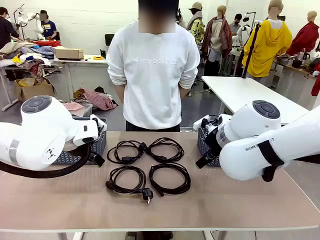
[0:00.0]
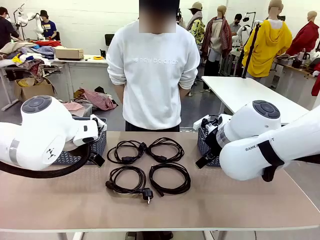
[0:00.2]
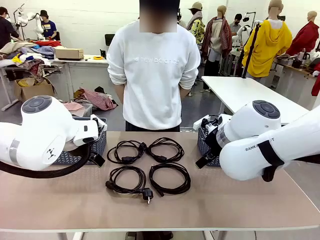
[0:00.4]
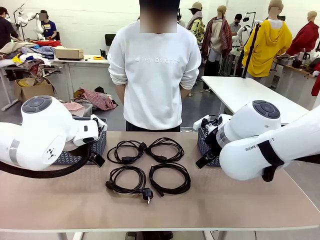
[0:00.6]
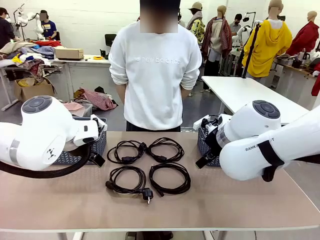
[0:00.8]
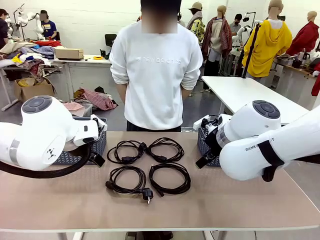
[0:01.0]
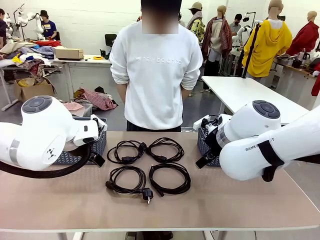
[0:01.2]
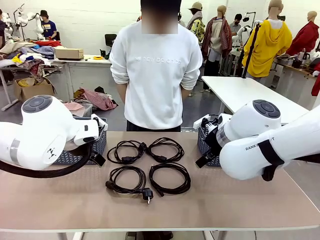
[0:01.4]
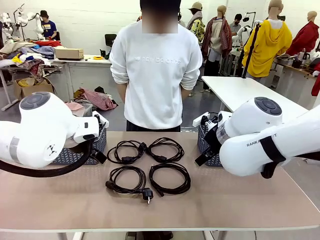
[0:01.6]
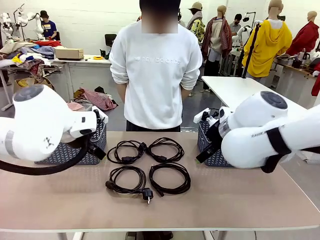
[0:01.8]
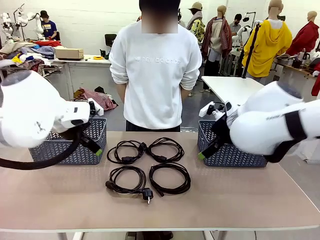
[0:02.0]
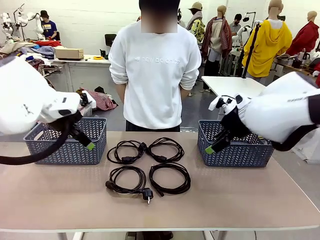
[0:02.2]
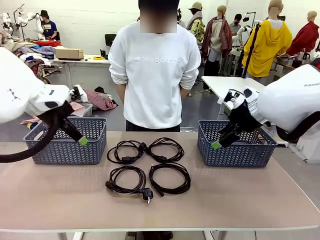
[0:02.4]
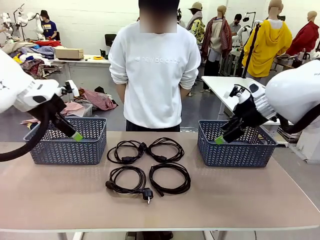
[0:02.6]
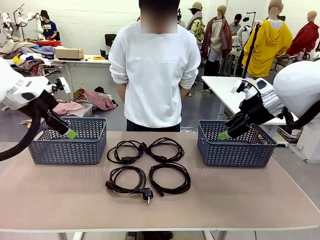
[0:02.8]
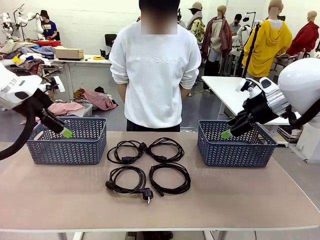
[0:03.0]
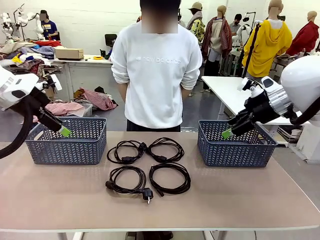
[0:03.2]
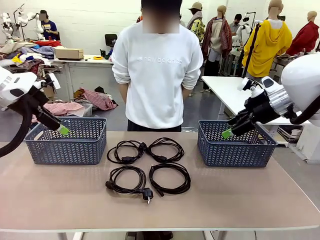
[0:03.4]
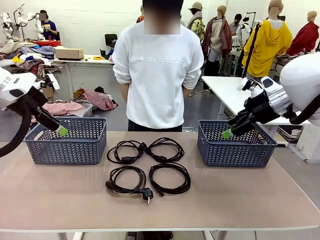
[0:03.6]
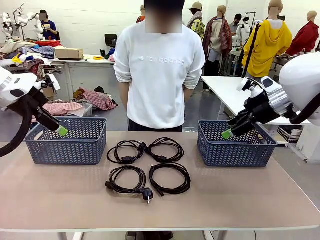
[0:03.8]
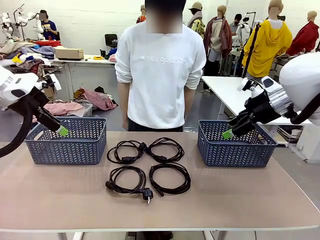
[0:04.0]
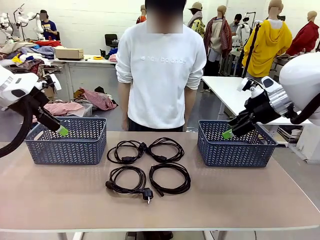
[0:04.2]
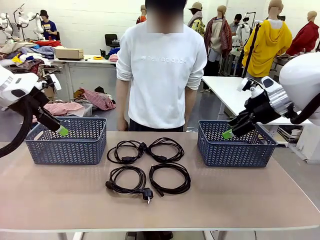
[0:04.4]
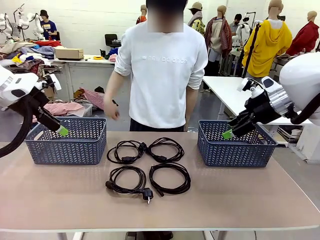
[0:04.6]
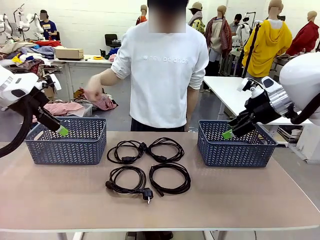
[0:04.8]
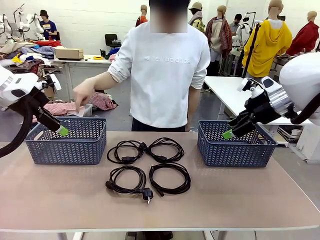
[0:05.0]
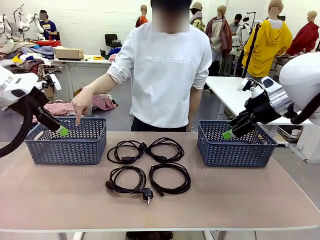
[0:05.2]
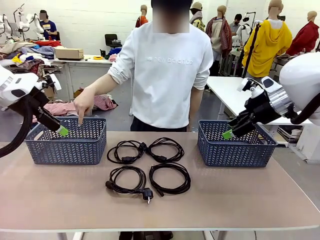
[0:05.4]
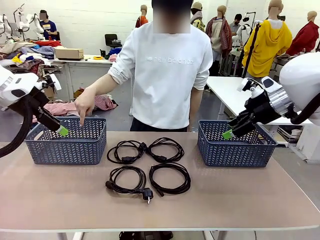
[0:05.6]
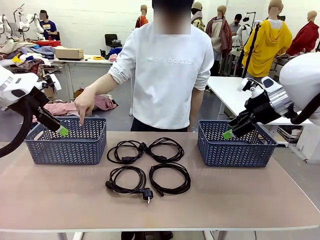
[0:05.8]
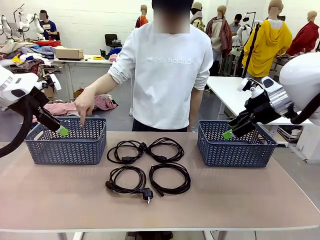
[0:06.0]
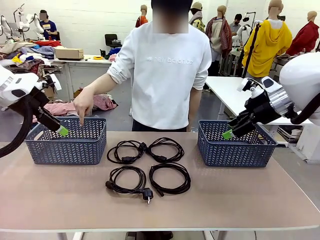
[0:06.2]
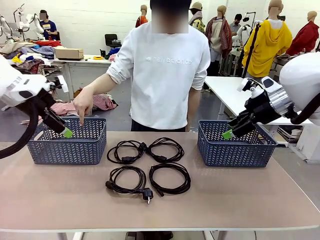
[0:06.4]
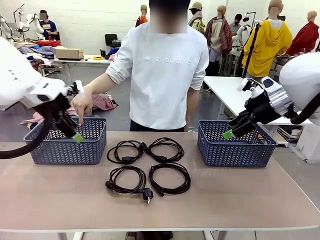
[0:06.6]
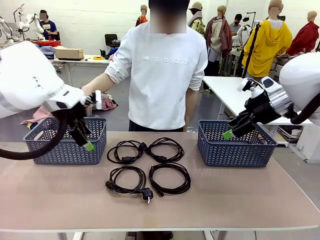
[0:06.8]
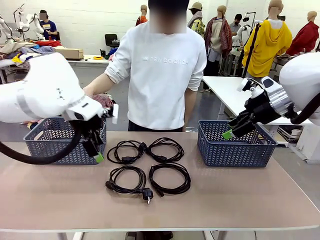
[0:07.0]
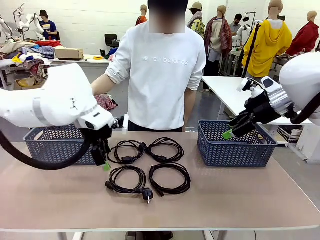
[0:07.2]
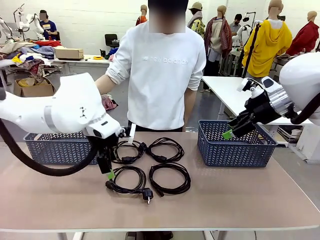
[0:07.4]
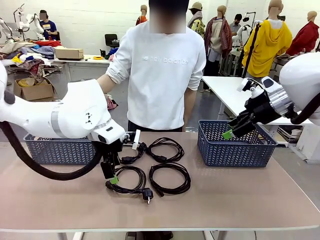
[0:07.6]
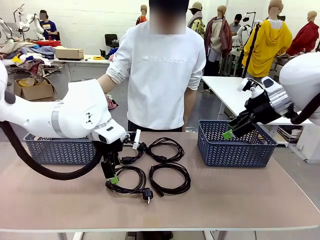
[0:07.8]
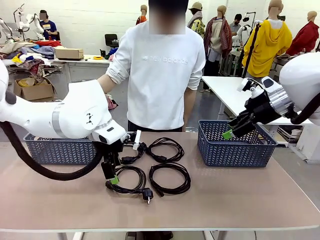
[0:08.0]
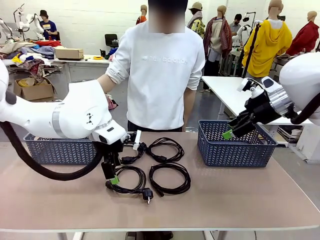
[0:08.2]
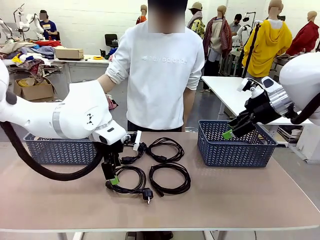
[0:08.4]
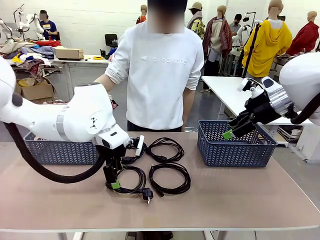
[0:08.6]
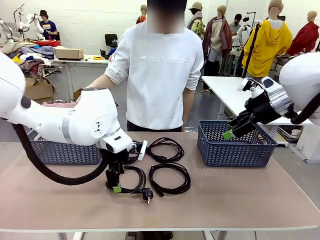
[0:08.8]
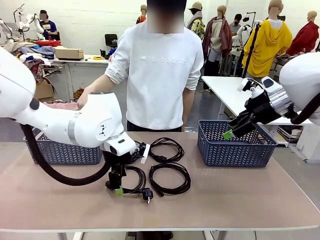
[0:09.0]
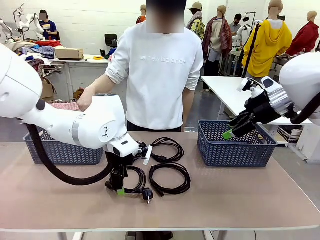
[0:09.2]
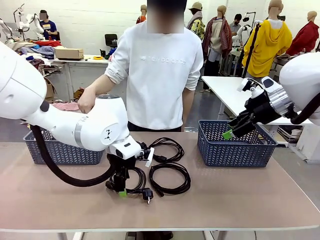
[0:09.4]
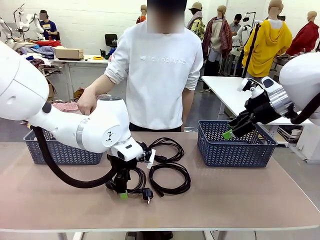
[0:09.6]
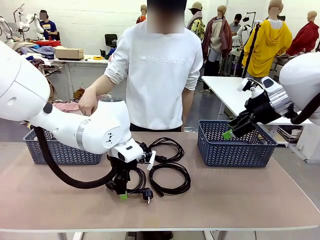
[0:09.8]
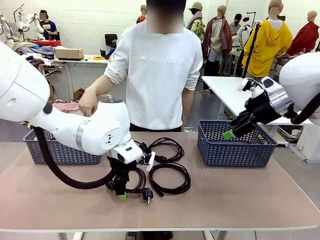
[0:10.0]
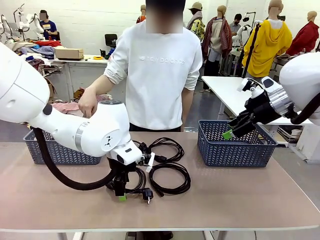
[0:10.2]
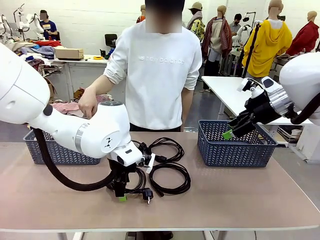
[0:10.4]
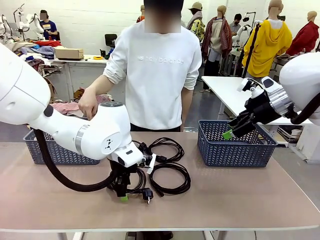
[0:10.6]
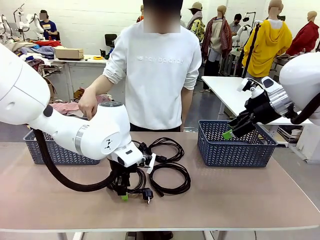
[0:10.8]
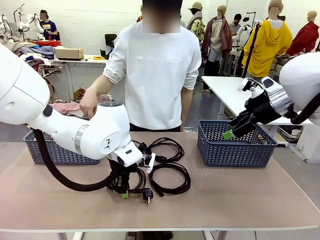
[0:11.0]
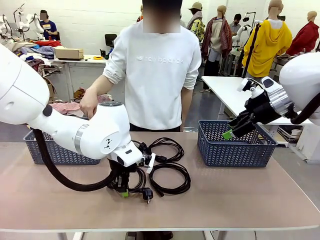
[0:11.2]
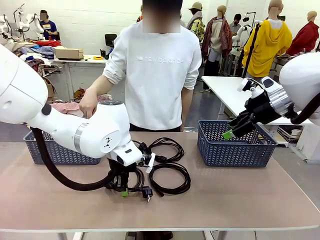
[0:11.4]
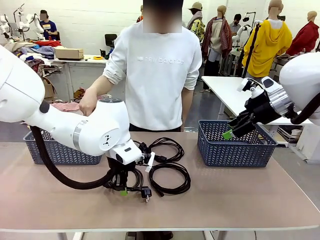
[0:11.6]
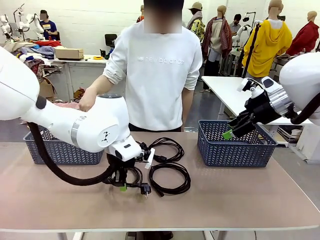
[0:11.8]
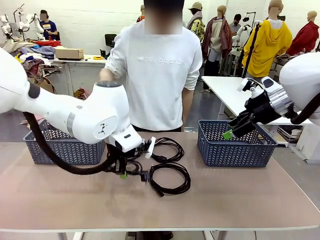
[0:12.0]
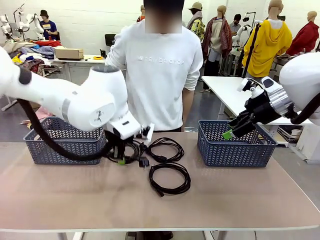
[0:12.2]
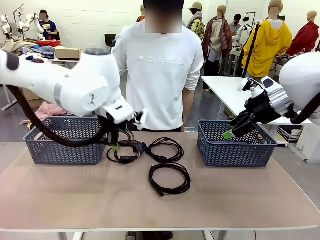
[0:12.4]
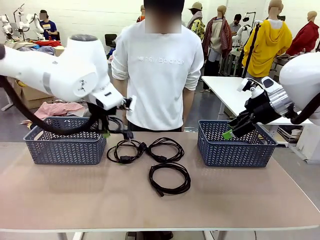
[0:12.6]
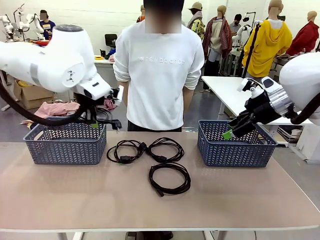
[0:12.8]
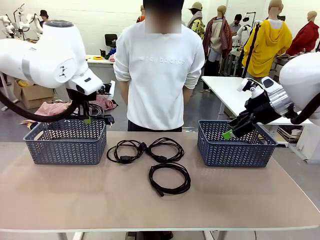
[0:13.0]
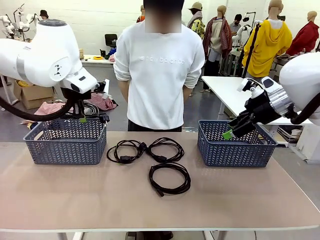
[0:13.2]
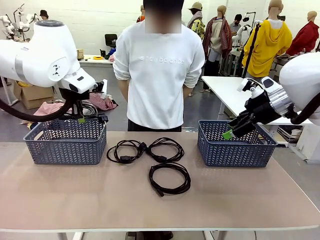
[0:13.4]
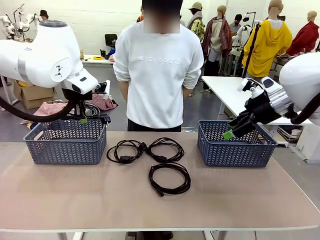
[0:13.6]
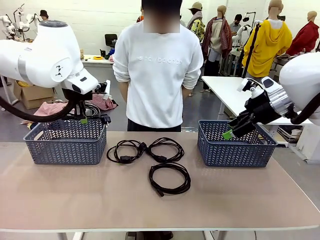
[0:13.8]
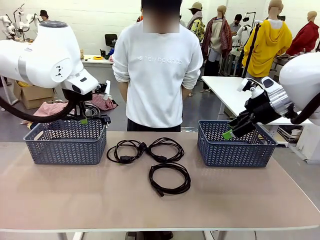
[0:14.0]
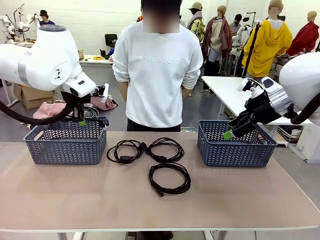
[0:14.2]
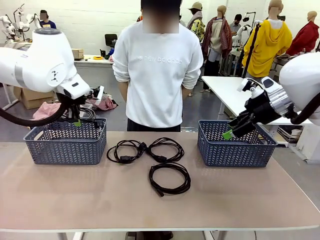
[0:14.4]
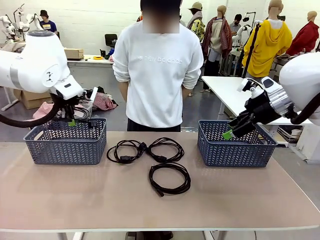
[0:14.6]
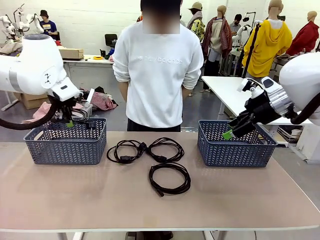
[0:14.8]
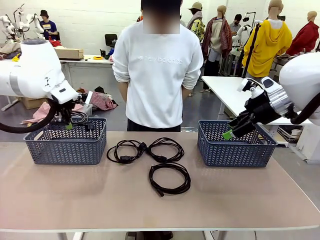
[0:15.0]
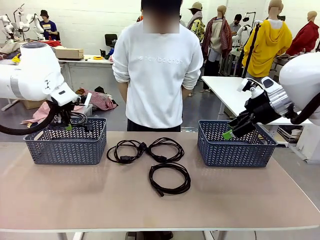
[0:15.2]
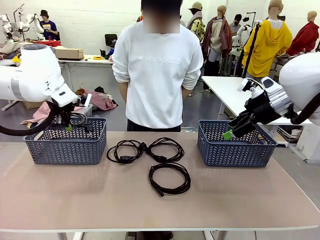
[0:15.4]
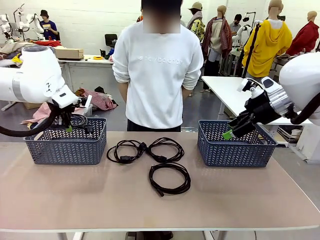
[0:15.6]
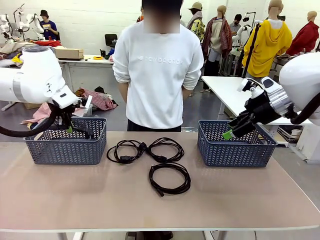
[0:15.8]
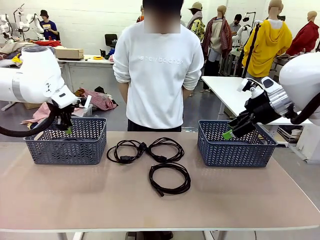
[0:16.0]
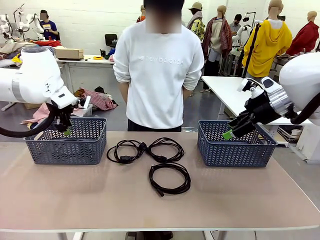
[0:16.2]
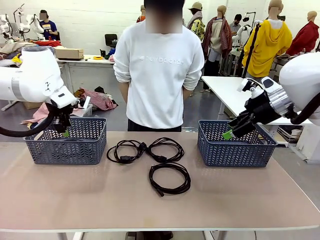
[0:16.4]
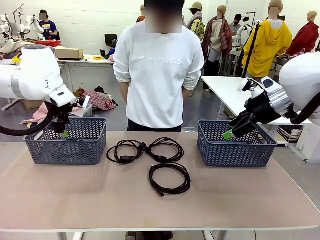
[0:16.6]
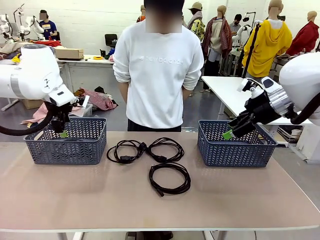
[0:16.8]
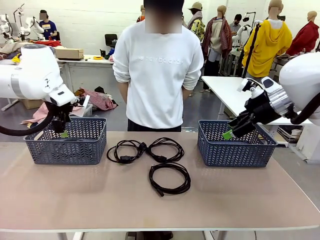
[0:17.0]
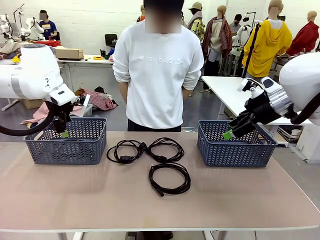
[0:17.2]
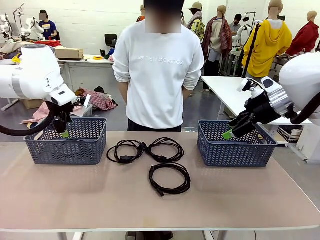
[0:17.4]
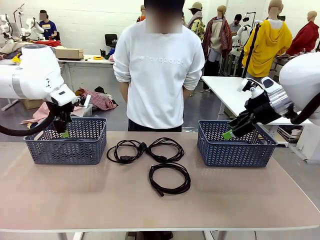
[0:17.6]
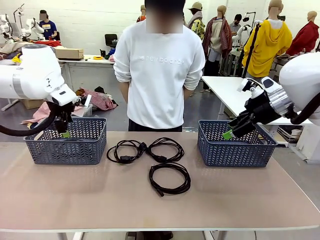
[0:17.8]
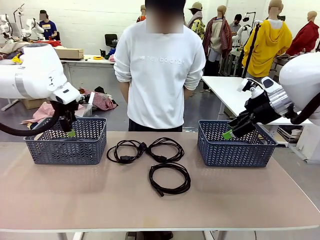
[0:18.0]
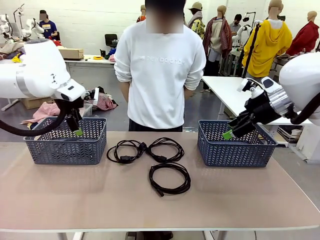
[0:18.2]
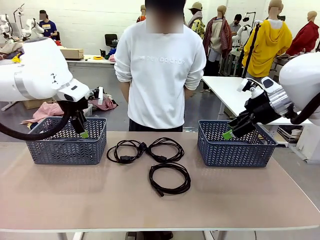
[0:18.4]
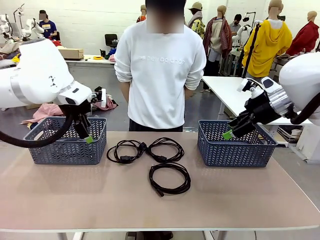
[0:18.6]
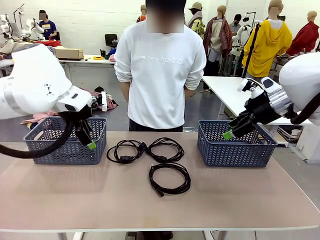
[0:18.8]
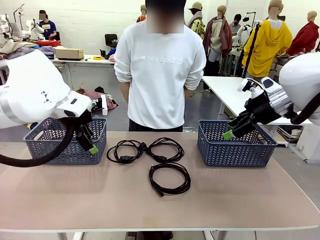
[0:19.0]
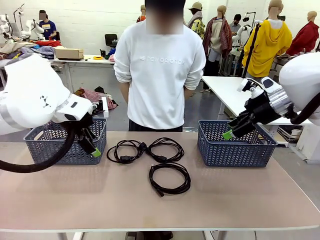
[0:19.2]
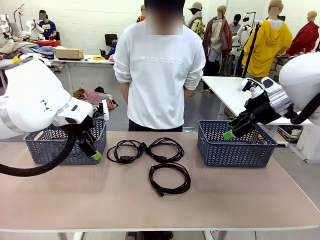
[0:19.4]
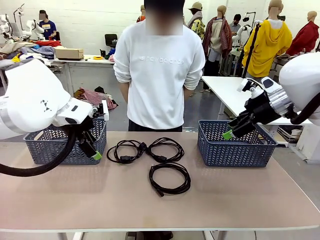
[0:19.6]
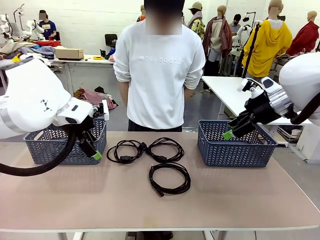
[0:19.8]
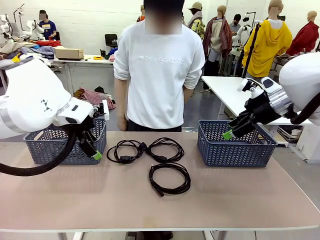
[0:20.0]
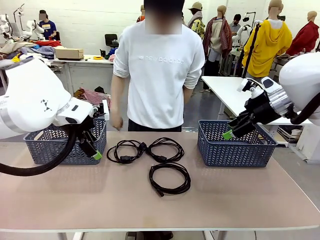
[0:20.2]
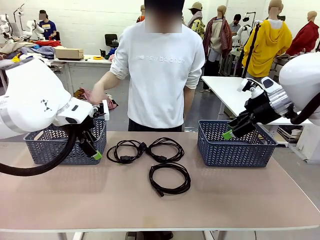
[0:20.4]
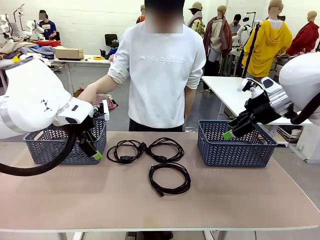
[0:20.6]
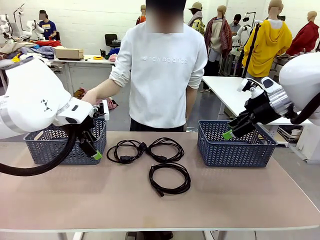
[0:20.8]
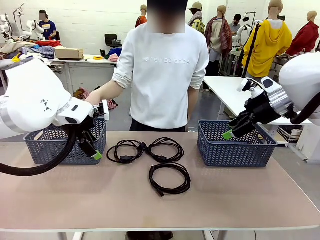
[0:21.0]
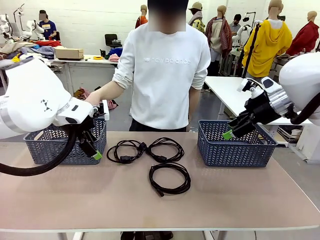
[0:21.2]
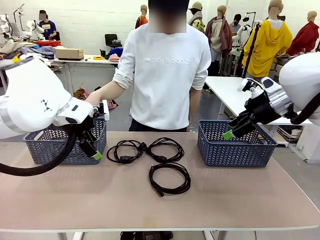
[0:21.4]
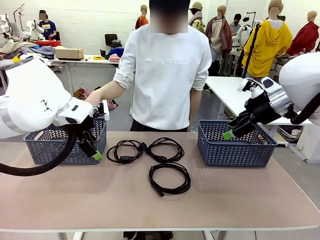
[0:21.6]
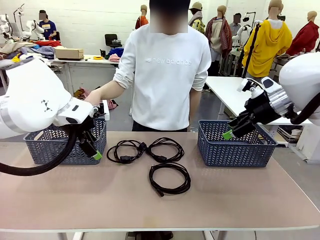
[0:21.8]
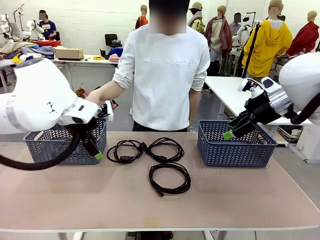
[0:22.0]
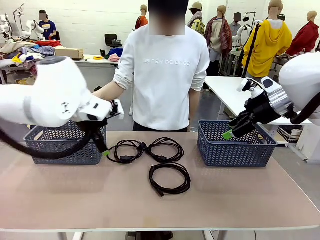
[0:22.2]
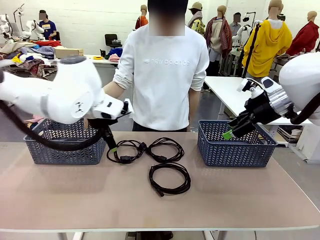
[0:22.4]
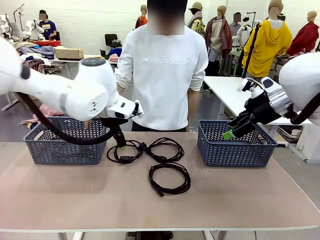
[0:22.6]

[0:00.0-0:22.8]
Task: Organize the cables according to human instructions.
Robot: Pick up a bundle of cables and place it in the basket indicated by the human.
